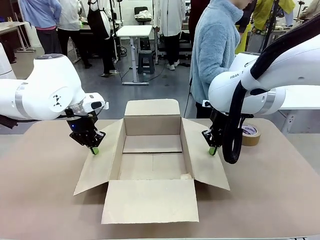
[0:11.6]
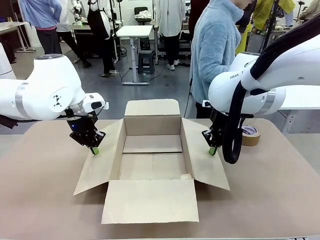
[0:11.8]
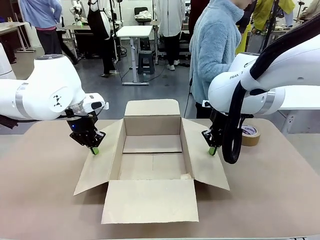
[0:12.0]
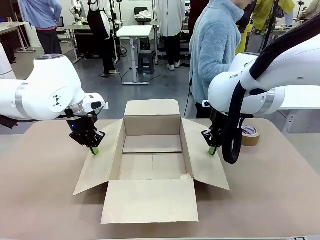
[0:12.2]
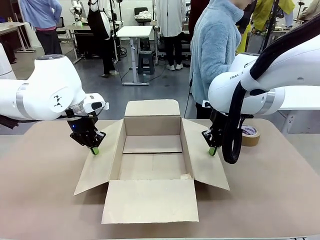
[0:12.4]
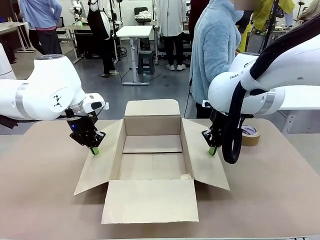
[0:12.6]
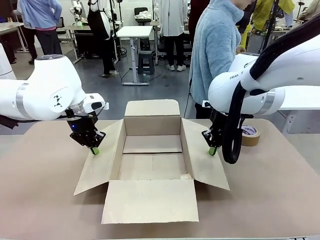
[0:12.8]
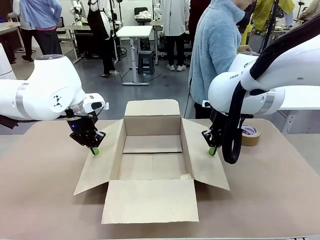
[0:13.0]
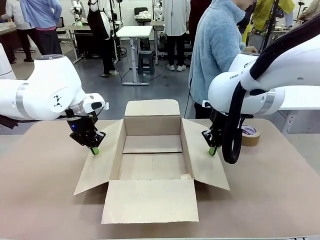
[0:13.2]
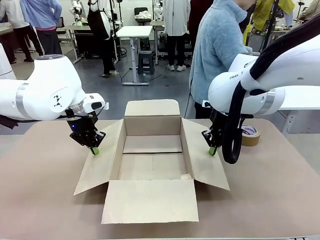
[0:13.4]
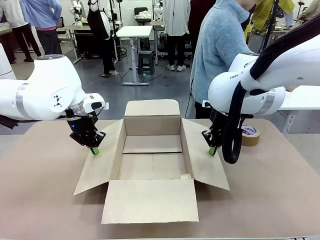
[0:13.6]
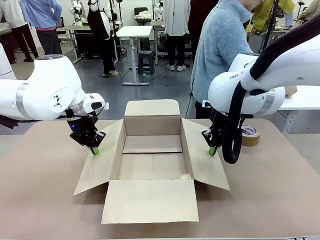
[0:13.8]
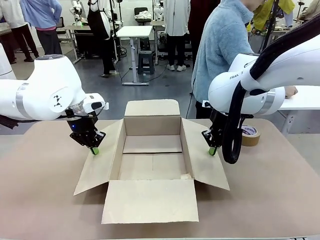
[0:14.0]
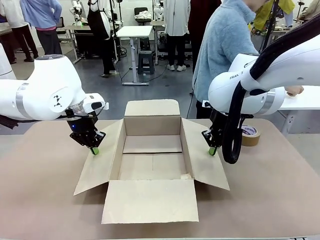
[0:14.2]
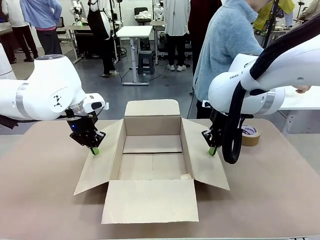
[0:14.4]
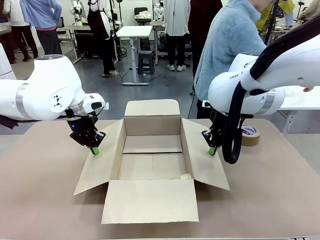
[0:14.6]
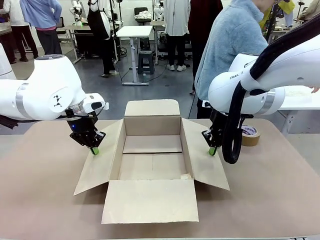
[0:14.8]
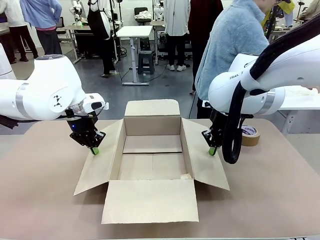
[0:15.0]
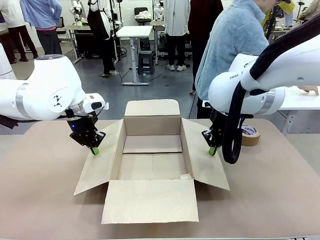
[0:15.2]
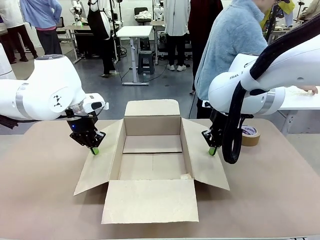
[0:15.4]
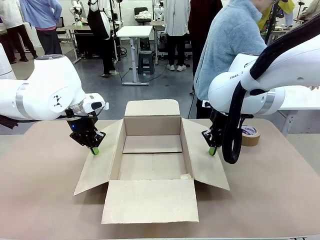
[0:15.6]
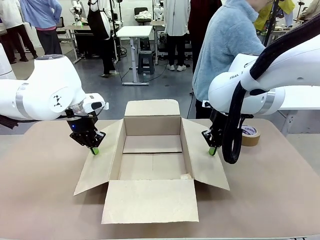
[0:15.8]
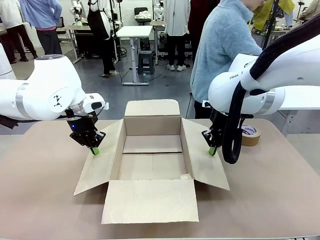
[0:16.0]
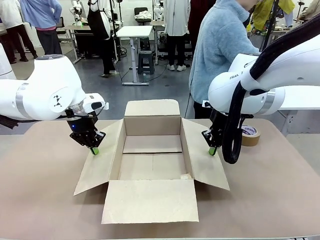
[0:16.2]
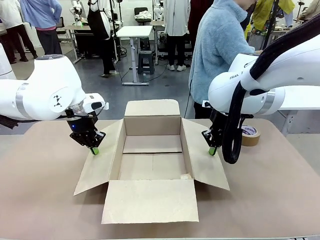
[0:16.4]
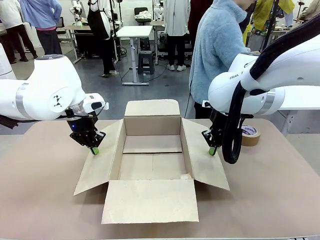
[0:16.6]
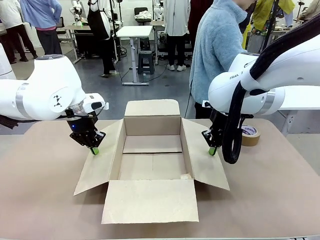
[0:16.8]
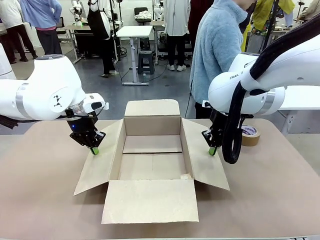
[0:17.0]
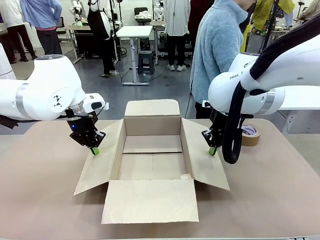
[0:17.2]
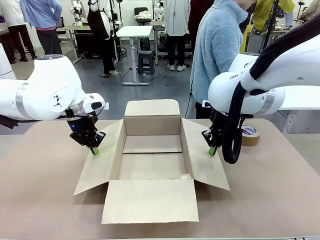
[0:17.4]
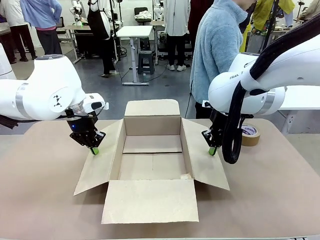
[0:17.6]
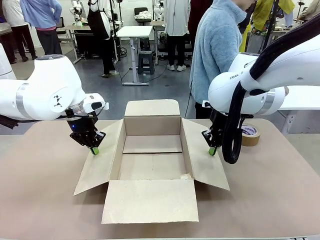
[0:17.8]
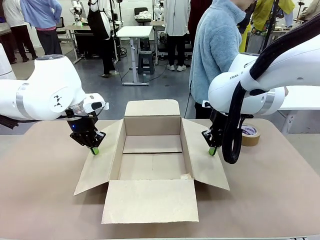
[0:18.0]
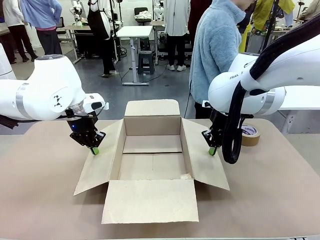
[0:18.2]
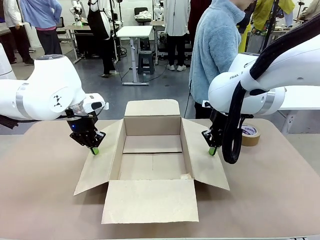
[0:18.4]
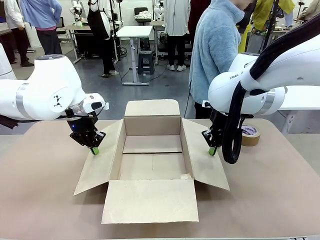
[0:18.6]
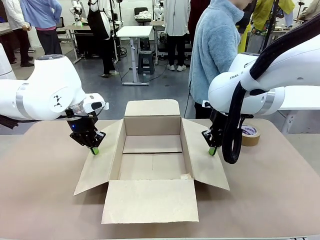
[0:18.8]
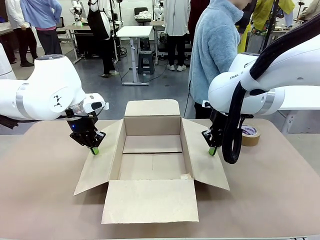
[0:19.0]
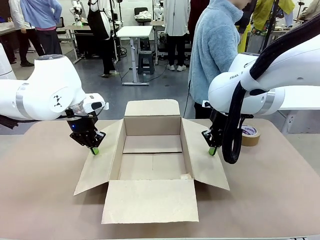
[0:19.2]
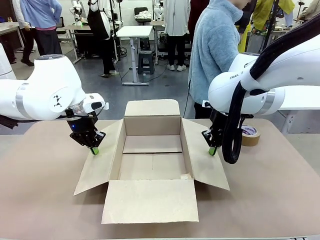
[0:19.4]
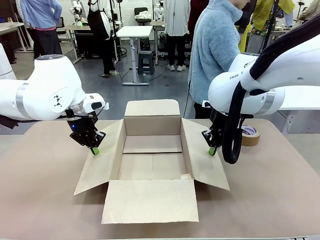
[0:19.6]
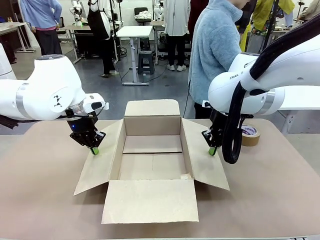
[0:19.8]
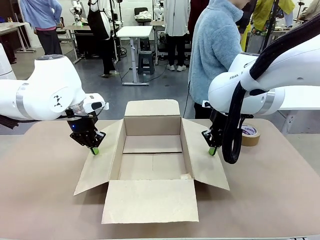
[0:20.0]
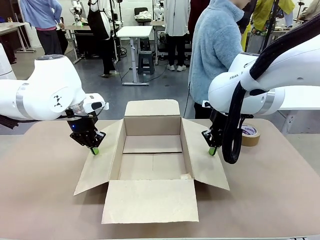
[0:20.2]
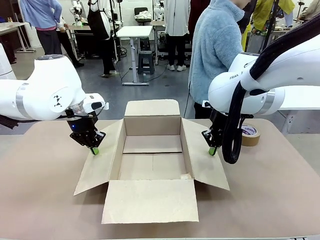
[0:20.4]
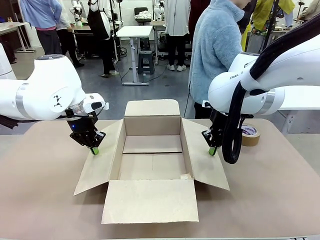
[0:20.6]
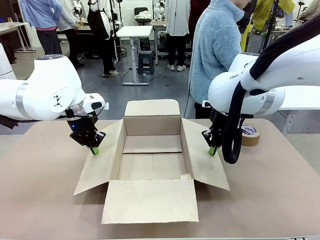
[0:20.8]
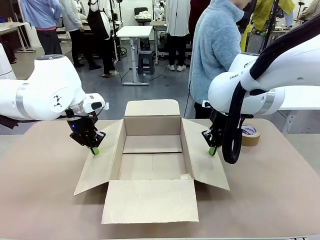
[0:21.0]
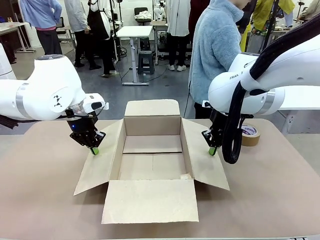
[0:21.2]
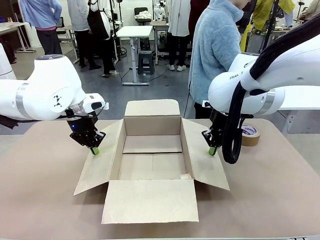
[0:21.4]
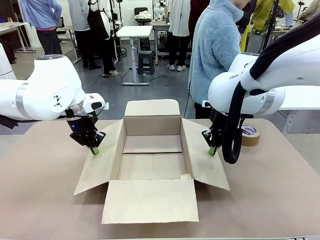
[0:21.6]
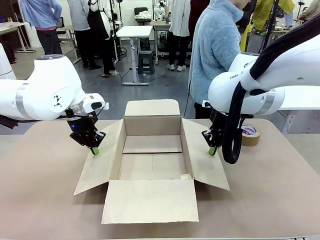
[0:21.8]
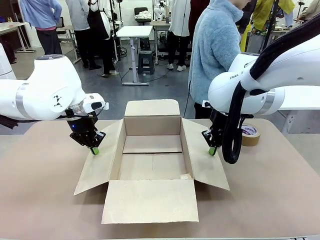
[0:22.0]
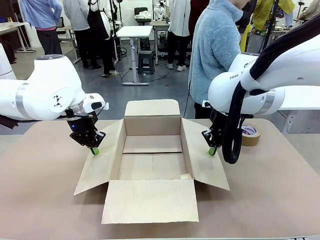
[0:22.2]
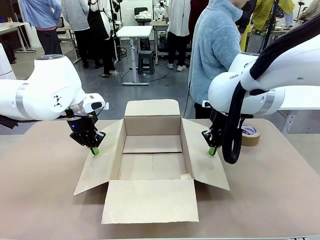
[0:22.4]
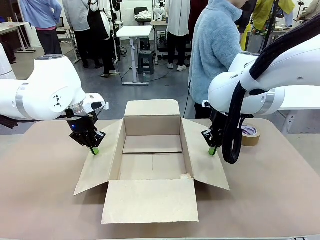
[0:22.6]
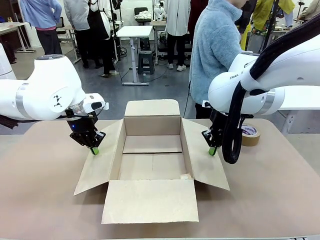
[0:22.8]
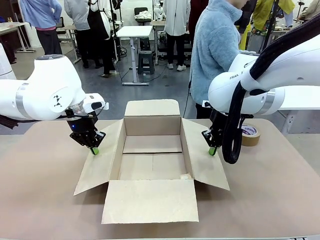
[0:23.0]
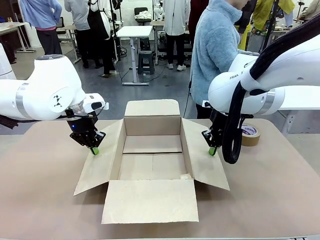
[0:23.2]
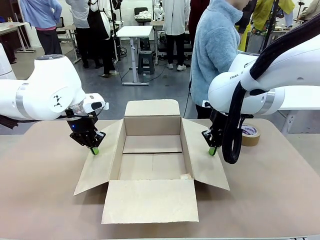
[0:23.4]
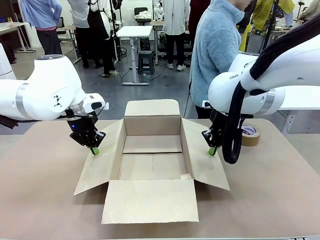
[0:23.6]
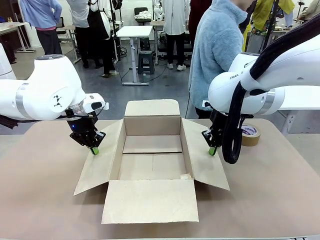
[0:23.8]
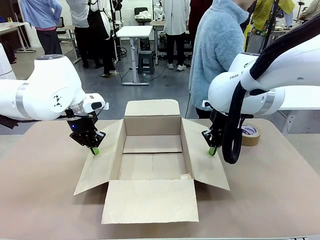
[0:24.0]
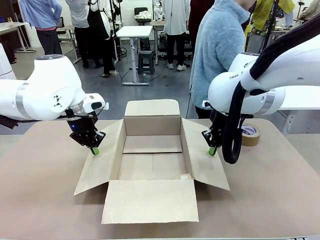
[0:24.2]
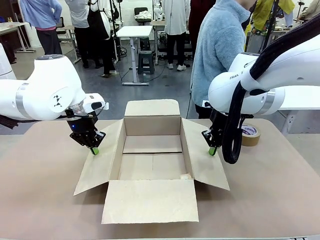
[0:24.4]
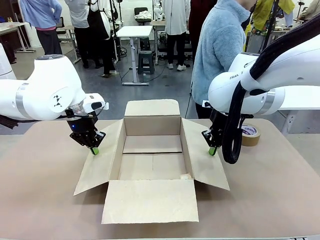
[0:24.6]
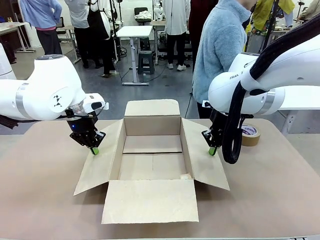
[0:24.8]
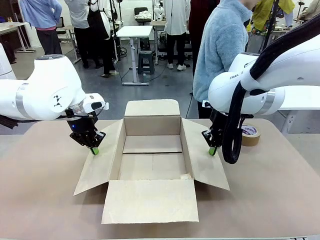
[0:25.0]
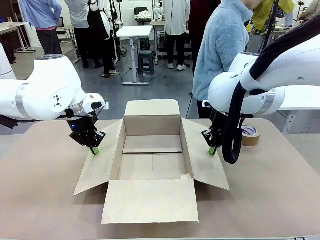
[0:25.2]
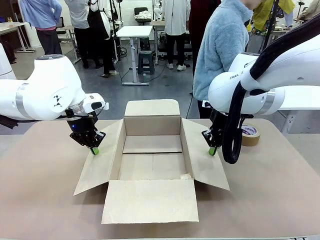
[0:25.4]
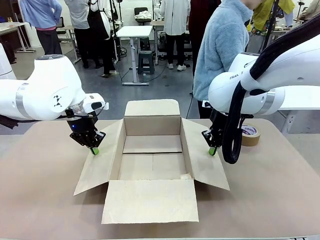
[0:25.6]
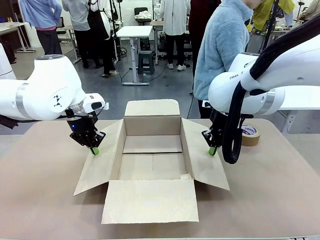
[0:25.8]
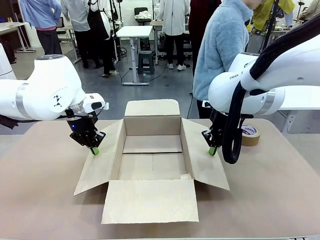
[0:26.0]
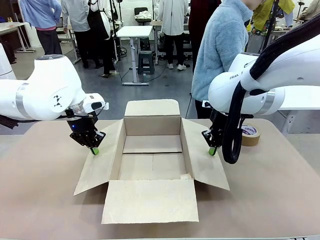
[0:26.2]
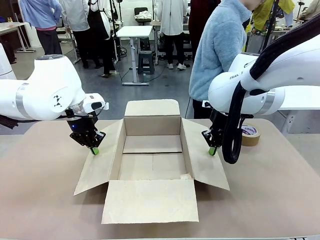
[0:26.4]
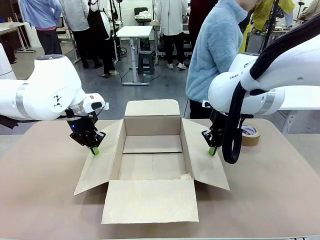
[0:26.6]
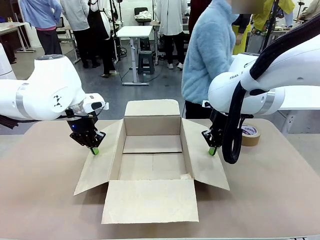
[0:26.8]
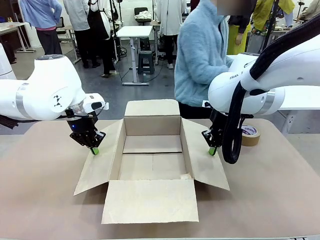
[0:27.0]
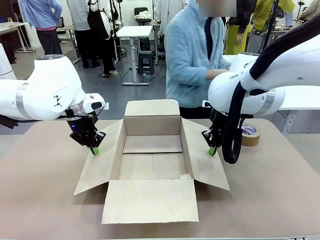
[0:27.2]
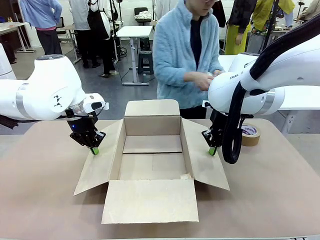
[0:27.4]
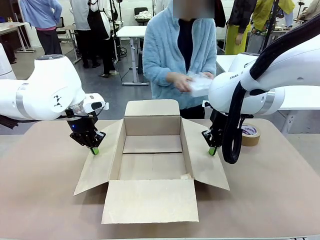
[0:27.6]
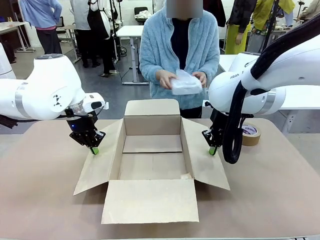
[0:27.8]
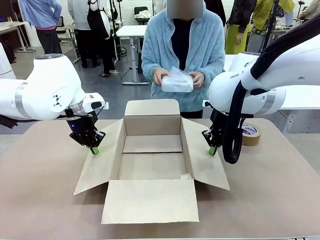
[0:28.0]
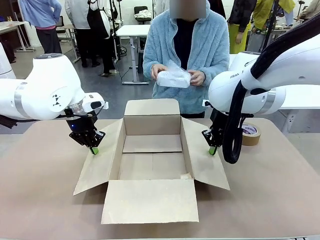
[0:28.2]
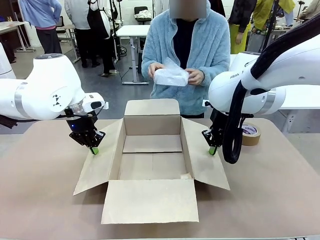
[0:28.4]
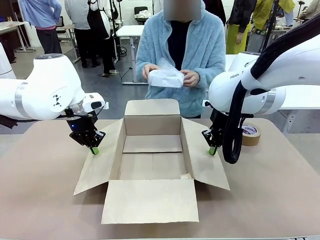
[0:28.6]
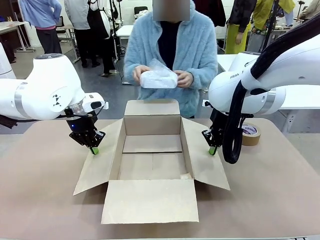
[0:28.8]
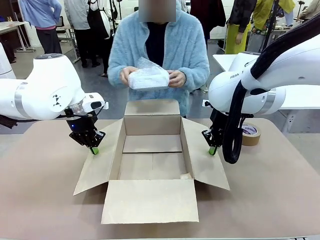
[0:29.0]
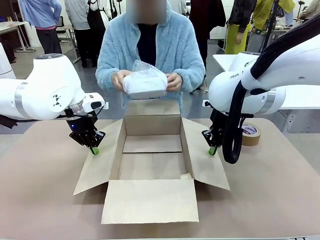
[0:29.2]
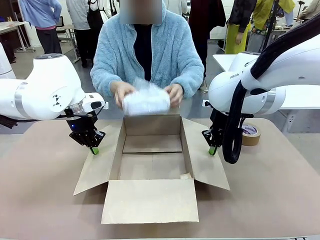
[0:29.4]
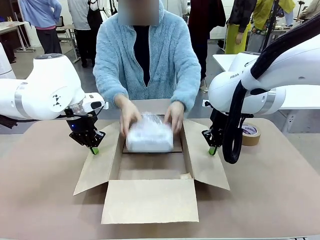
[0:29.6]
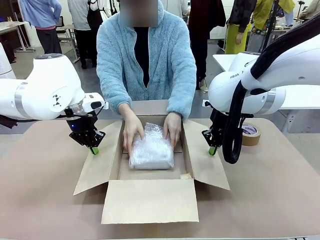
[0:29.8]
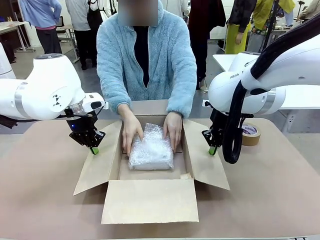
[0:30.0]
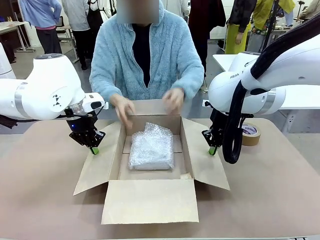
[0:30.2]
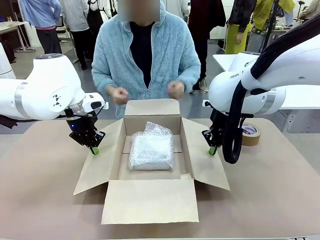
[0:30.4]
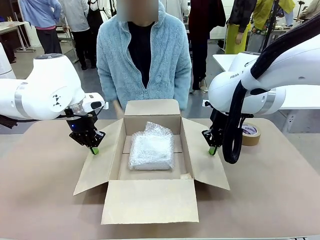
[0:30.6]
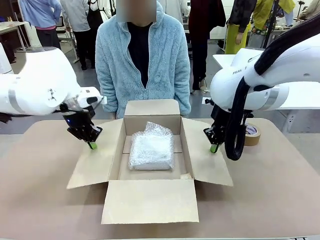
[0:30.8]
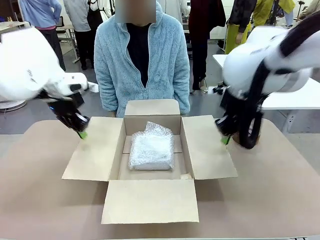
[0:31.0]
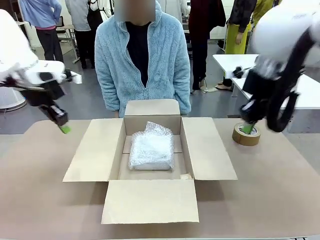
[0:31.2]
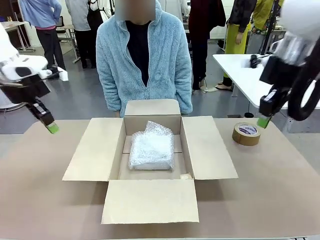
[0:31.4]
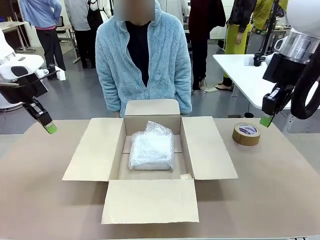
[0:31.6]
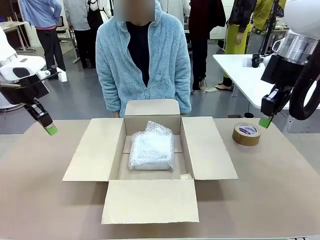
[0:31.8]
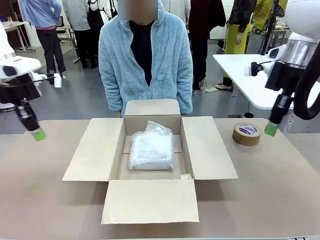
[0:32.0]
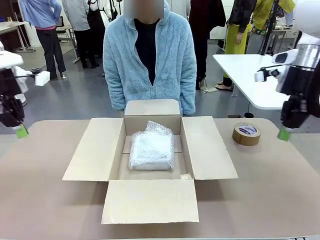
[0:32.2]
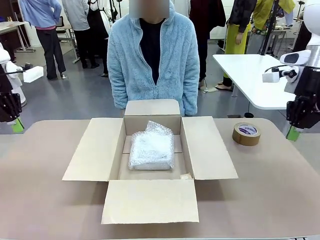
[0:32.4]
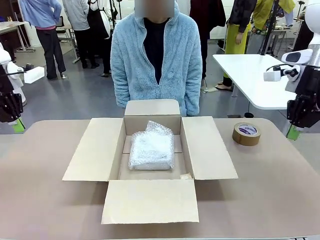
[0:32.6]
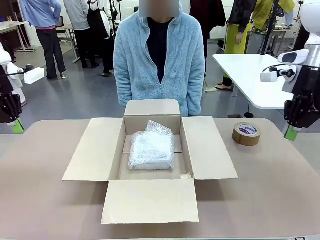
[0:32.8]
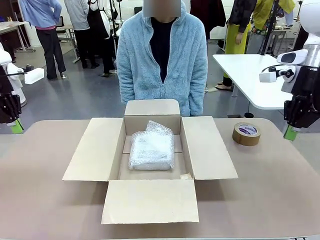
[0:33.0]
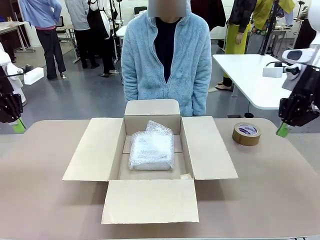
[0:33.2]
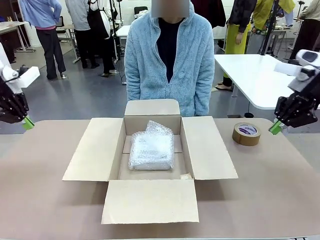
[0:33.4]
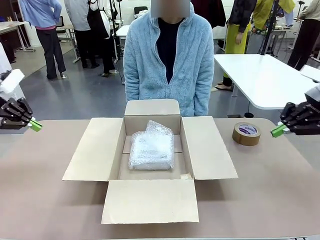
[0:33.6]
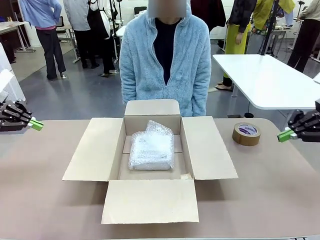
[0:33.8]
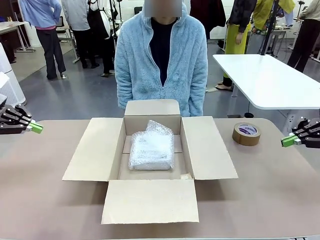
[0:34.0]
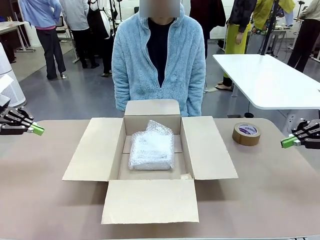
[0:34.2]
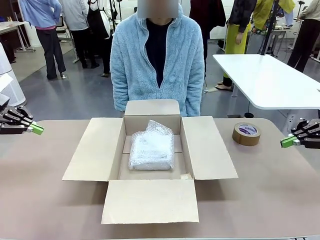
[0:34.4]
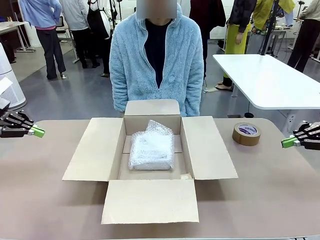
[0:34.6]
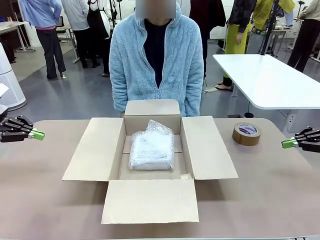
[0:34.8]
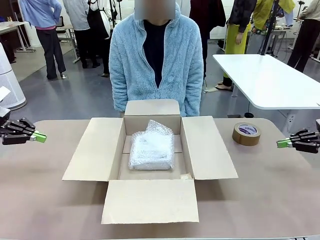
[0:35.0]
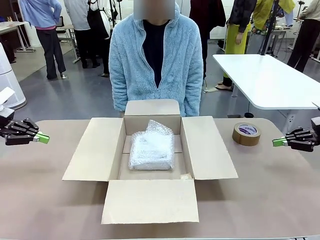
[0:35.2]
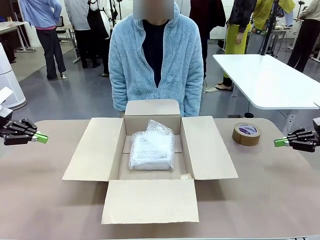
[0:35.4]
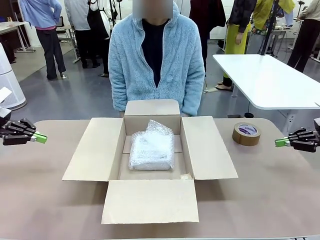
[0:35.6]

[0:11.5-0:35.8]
Task: Wrap the clocks to prevent damage.
Robot: Once the human has placed the objects inside and stepped back, release both hands from the side flaps of the Package Box.
Person: Wrap the two Digital clocks with Bubble Wrap. Place the wrapped Digital clocks inside the Package Box.
